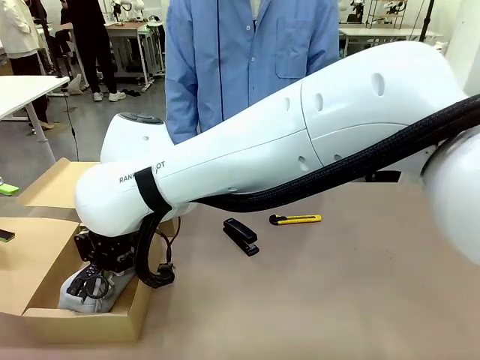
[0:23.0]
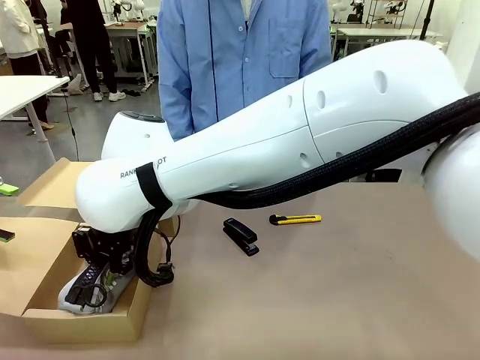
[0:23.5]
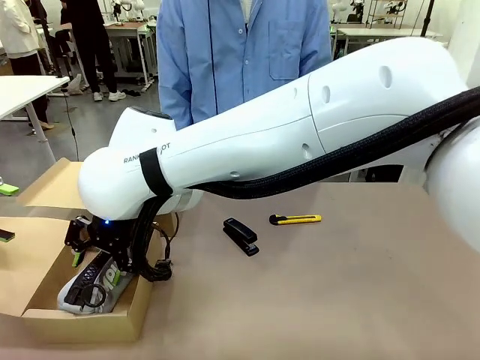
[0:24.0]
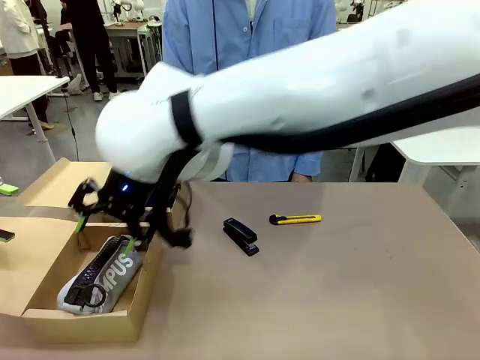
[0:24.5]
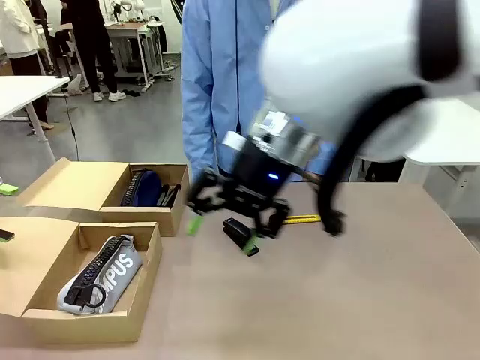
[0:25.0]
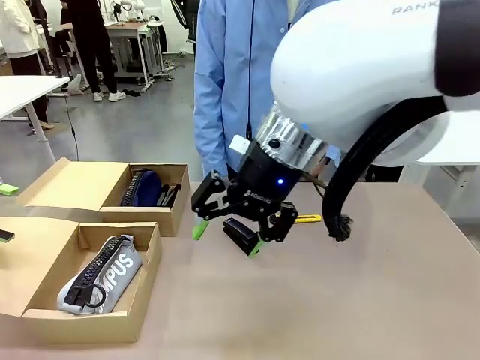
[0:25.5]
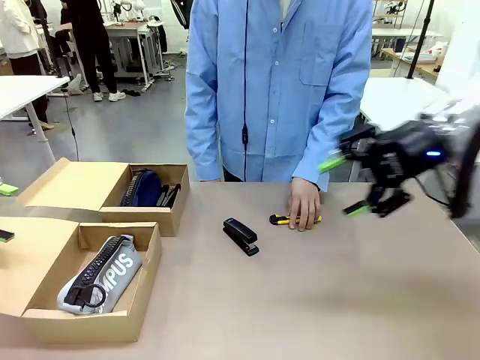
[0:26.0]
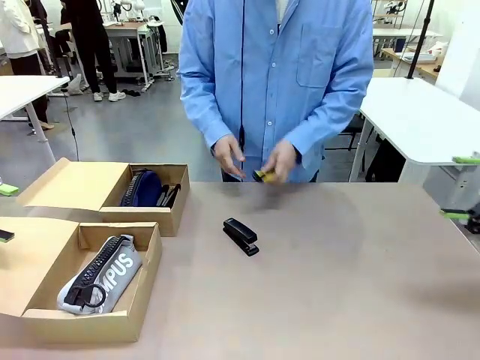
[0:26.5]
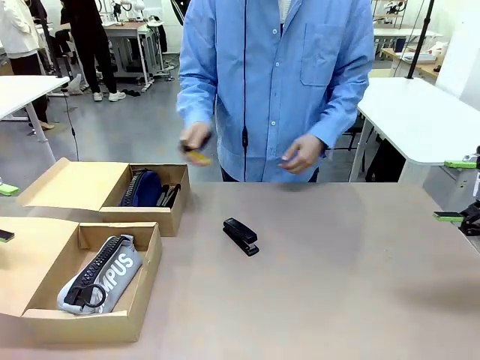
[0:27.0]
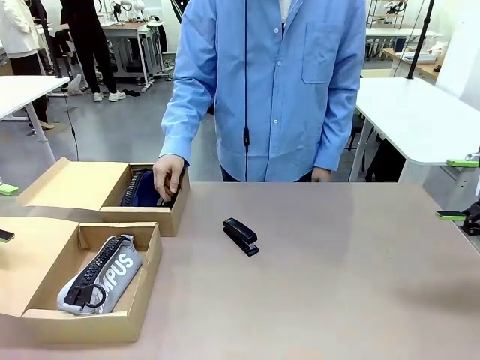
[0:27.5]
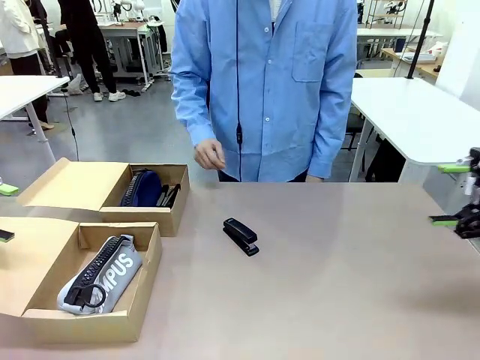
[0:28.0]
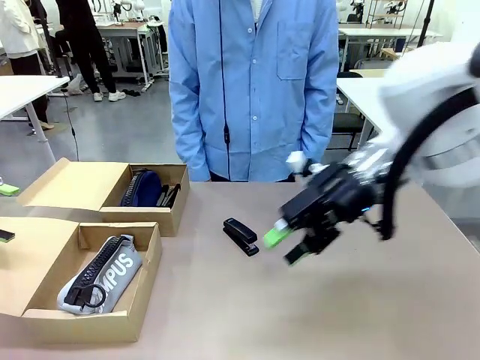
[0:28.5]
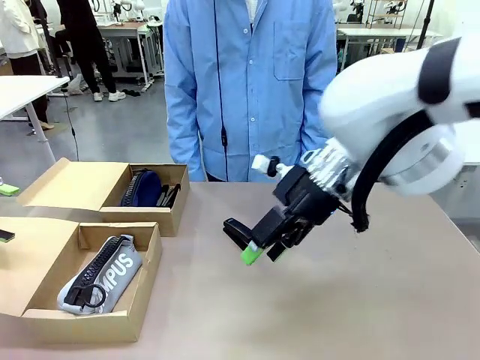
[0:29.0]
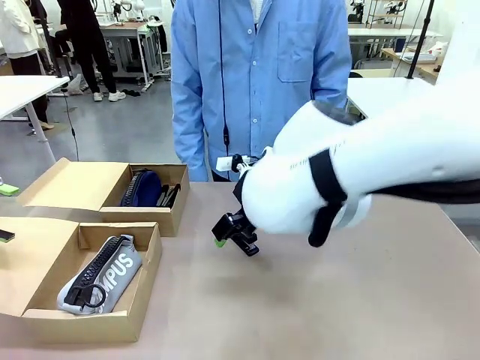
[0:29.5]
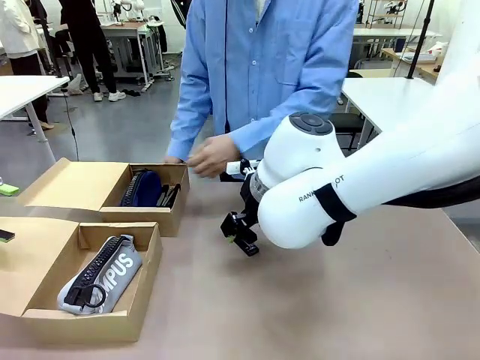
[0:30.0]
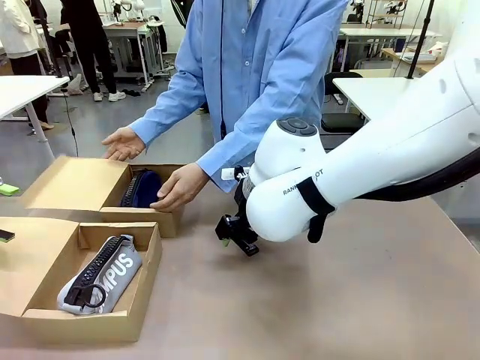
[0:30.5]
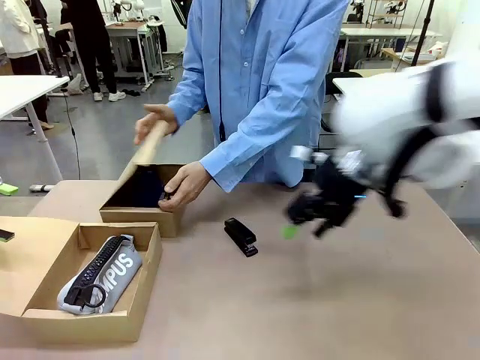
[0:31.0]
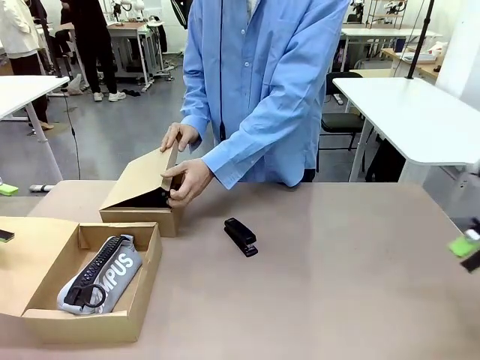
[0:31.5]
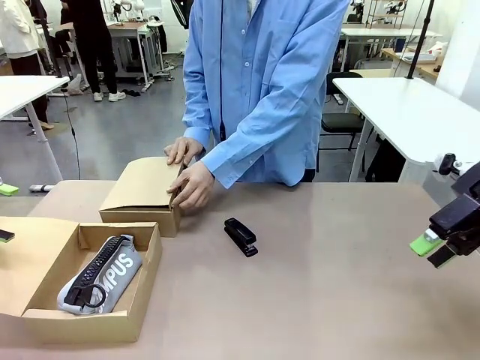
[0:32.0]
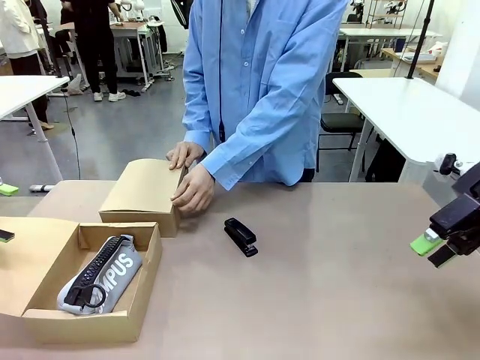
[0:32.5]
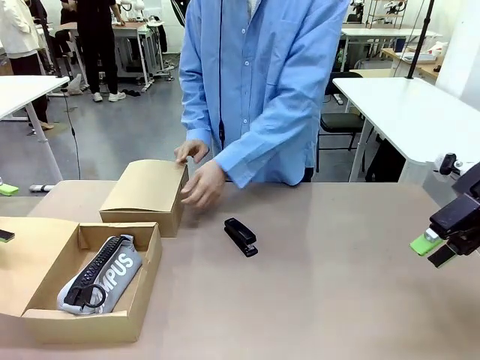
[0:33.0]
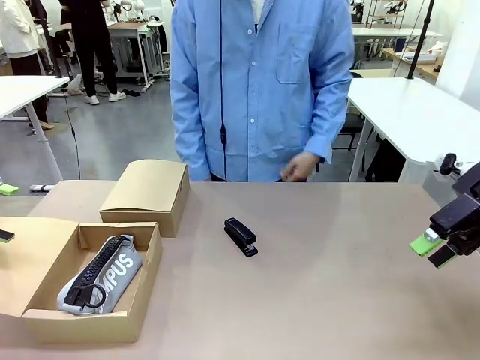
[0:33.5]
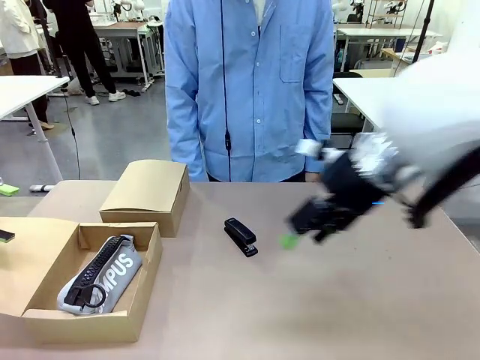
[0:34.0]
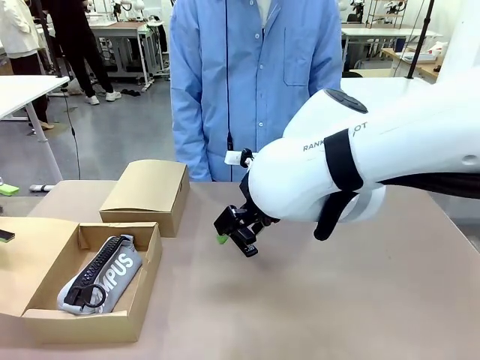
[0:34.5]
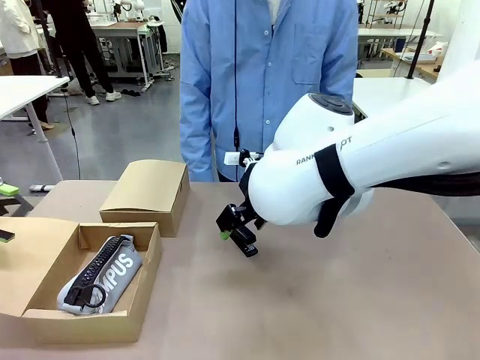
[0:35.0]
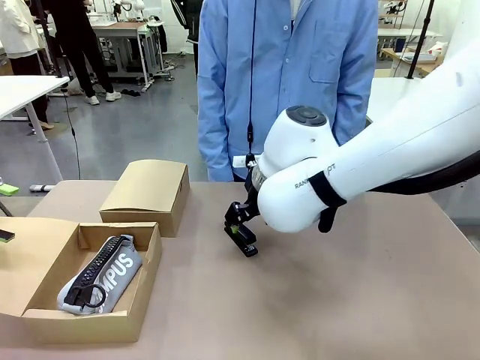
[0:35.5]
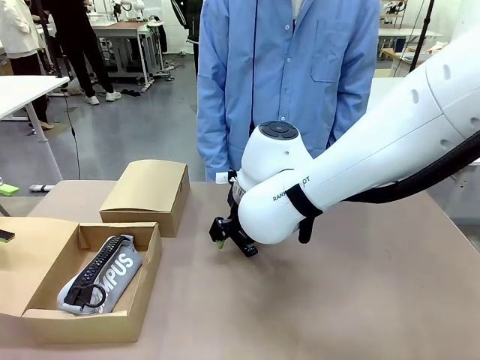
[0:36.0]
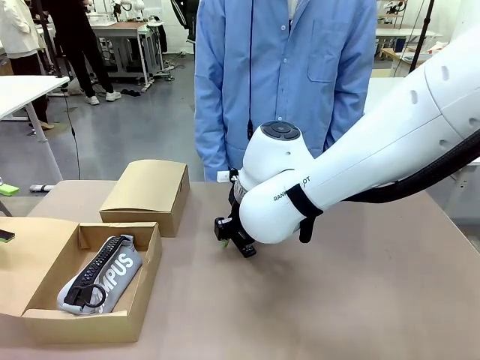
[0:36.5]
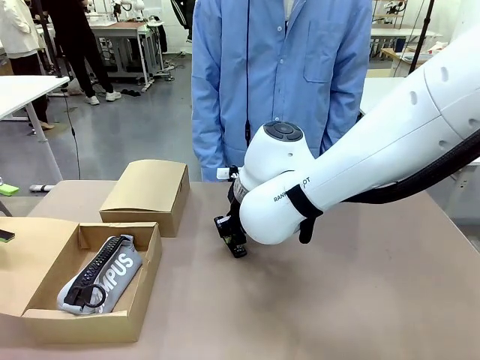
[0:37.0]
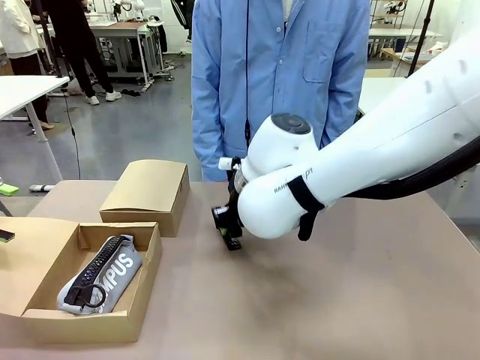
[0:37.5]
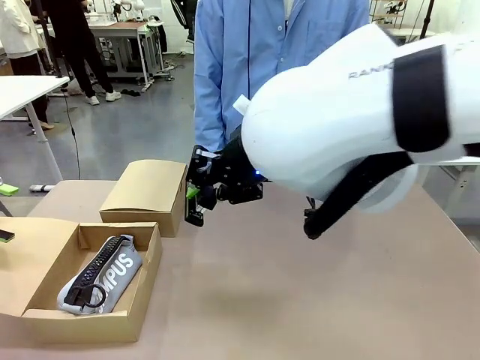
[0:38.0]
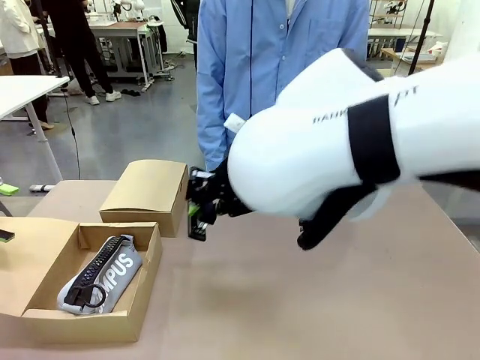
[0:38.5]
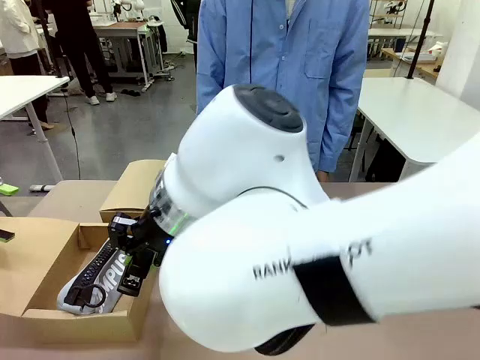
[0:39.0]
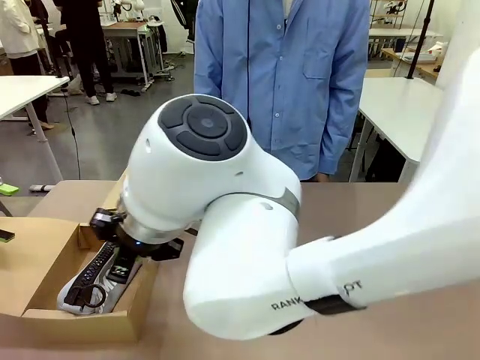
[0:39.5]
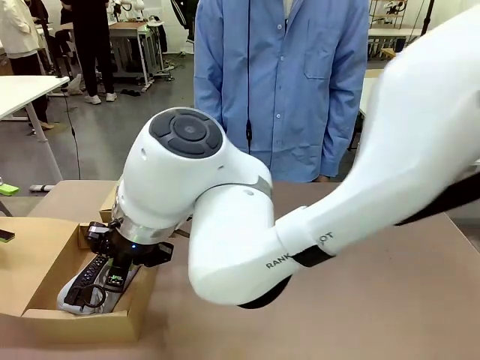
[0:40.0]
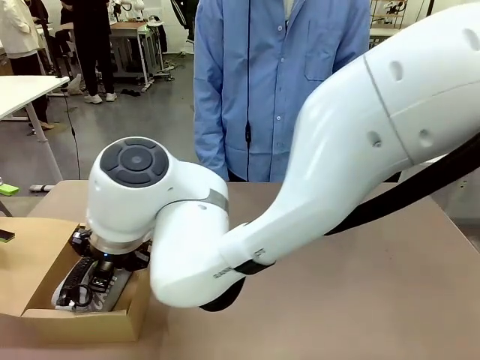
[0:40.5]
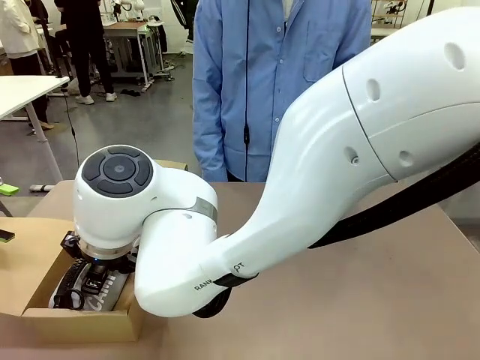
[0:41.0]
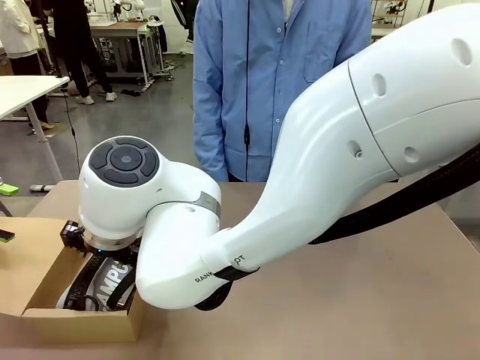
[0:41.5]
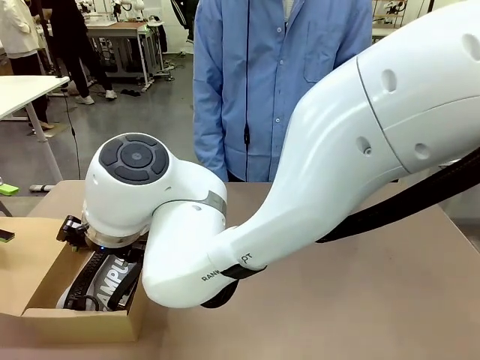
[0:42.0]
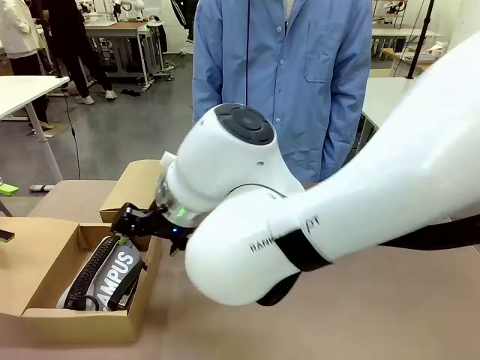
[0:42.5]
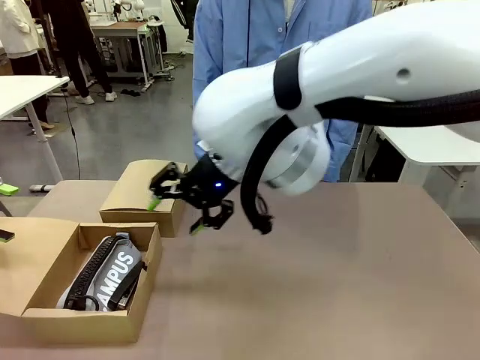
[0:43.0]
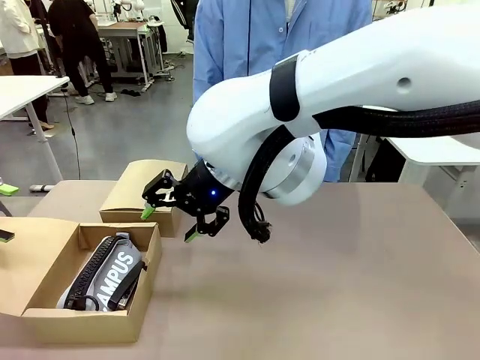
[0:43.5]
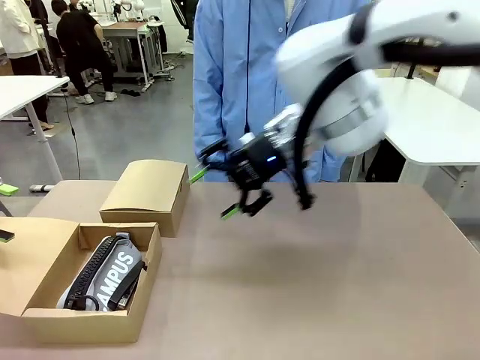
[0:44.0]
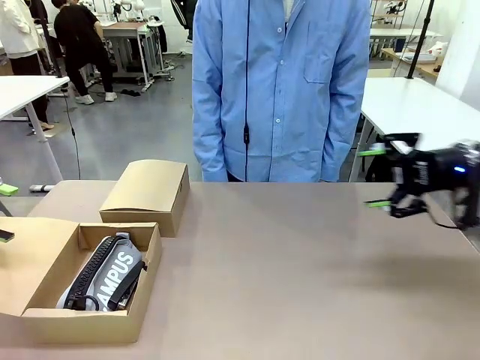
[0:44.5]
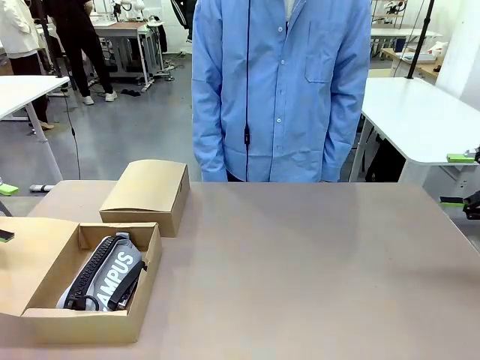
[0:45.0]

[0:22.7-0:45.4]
Task: Place items inside the box.
Robot: Pick up a Pencil pouch or Stapler and place it inside the Mailer Box closest to the robot.
Person: Close the lid of the box facing the person.

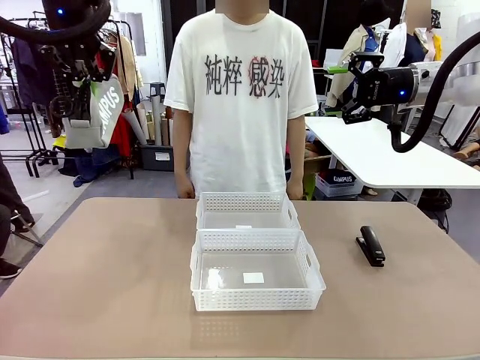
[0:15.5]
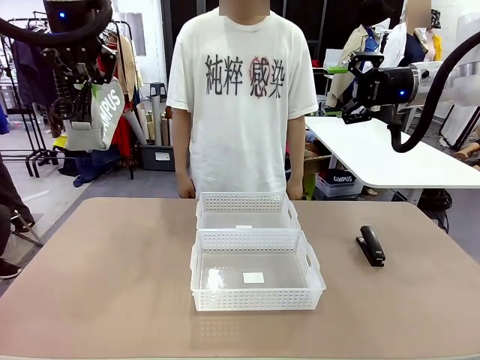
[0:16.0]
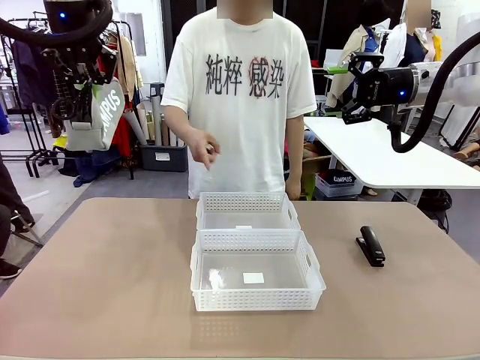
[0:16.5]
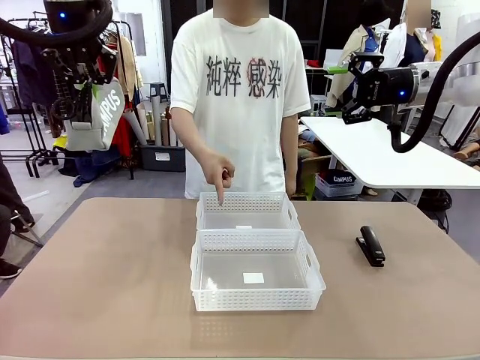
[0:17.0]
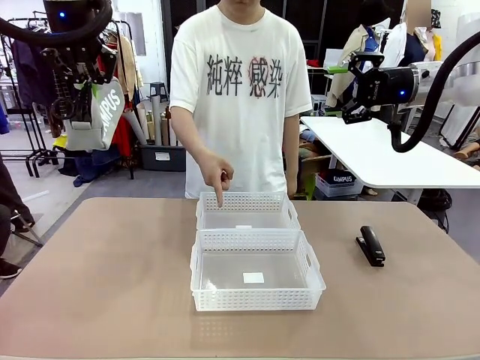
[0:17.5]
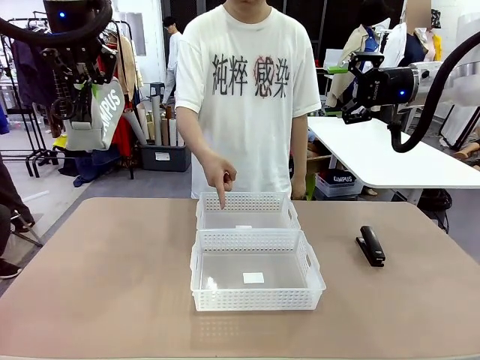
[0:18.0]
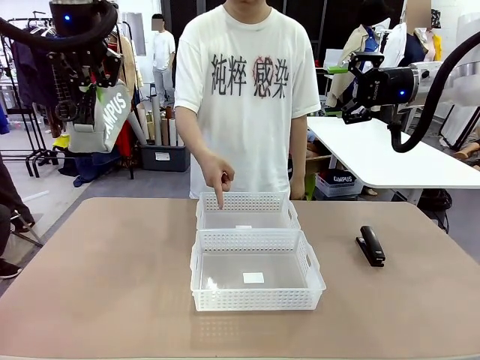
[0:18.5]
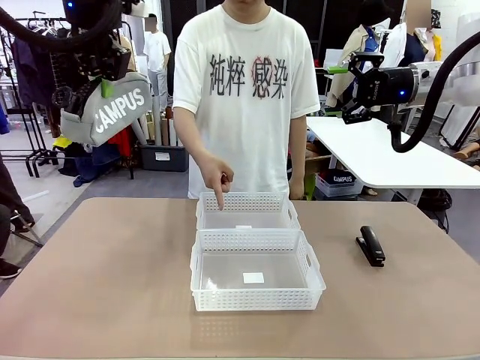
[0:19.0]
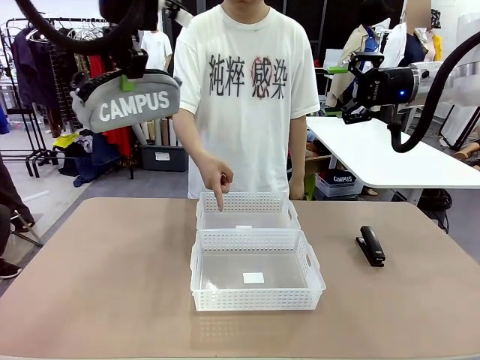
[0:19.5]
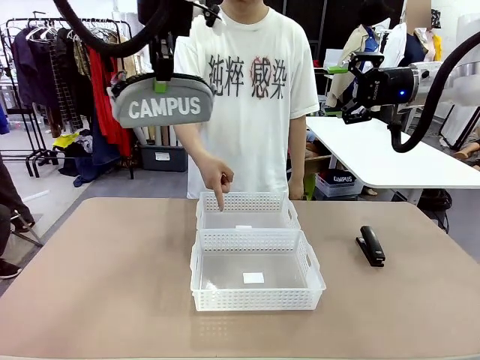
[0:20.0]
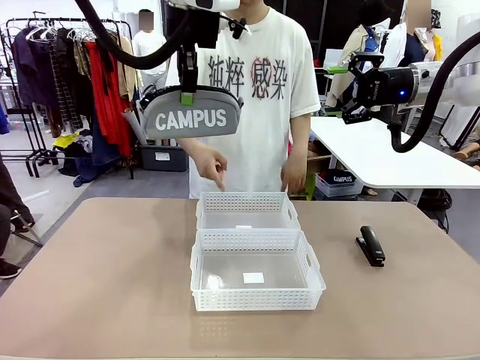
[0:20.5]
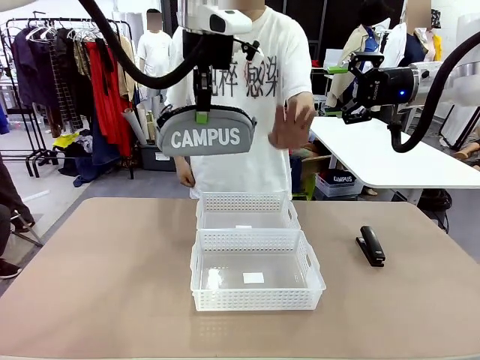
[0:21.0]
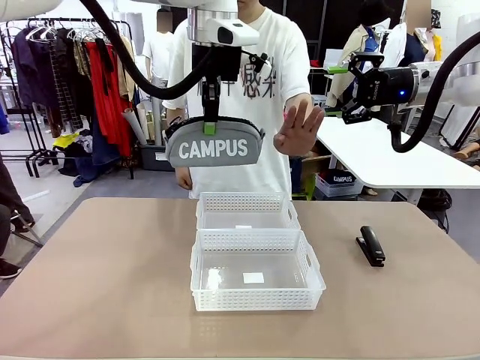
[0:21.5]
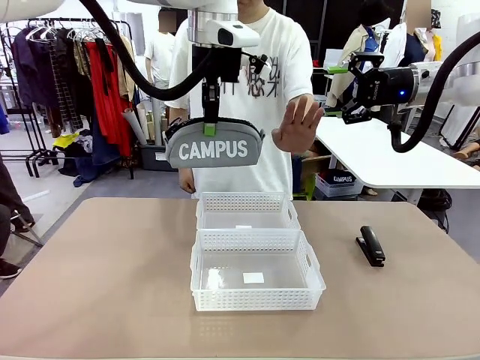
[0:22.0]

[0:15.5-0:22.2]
Task: Distribute items into two baskets.
Robot: Move the picked Pencil pouch towards the Organizing basket indicated by the person, stopping as directed.
Person: Sends a stop gesture before the robot places the pencil case into the basket.
